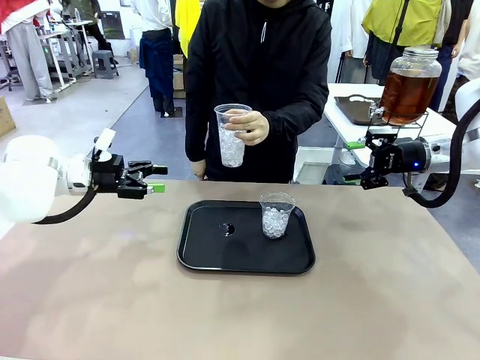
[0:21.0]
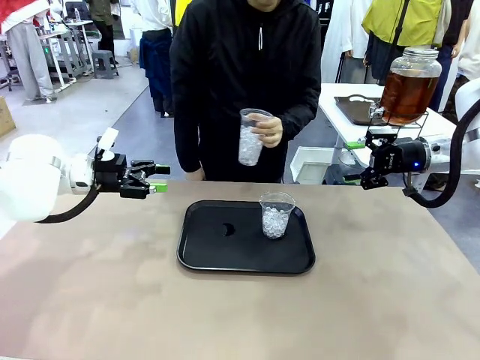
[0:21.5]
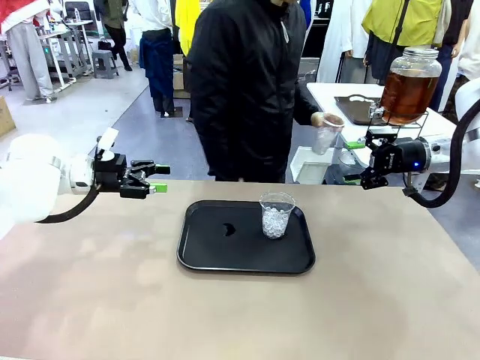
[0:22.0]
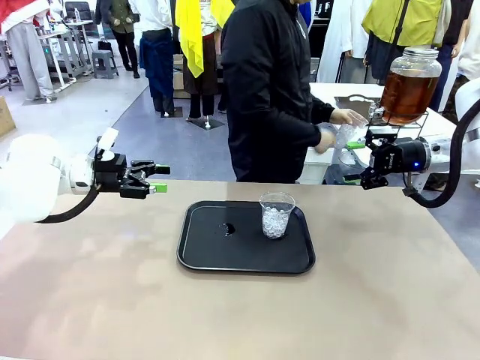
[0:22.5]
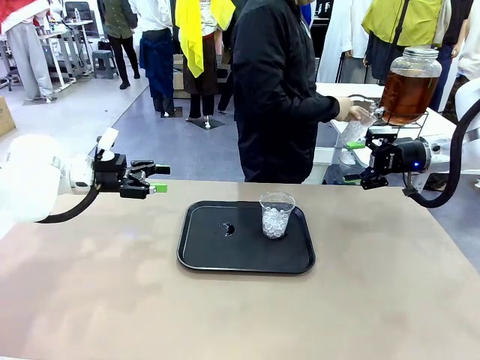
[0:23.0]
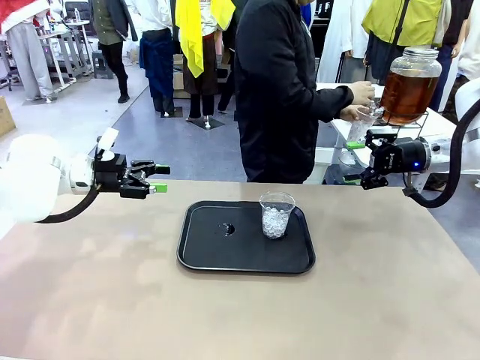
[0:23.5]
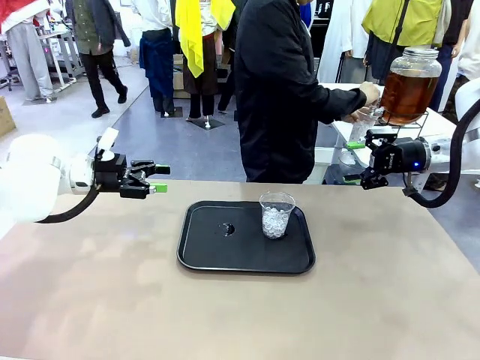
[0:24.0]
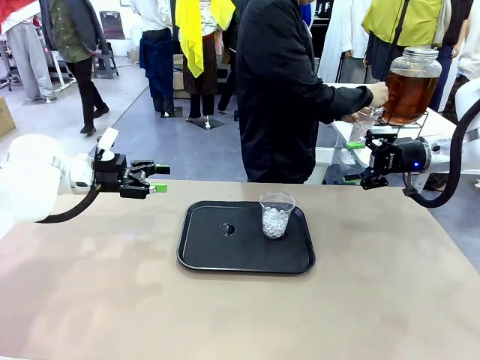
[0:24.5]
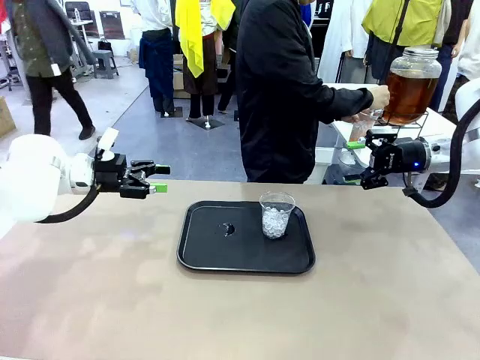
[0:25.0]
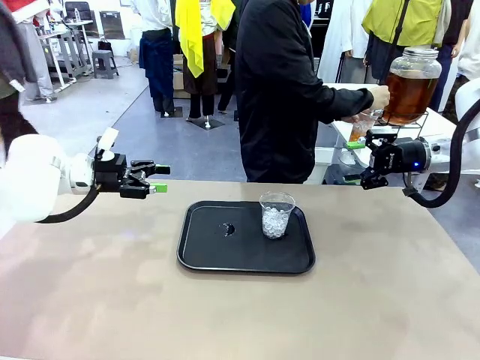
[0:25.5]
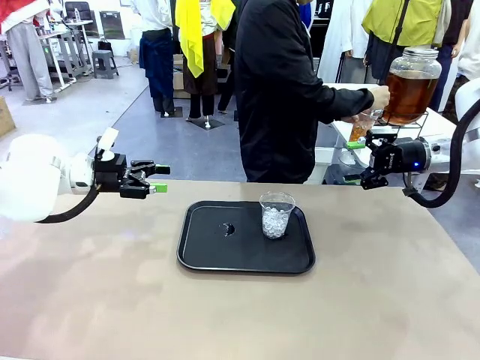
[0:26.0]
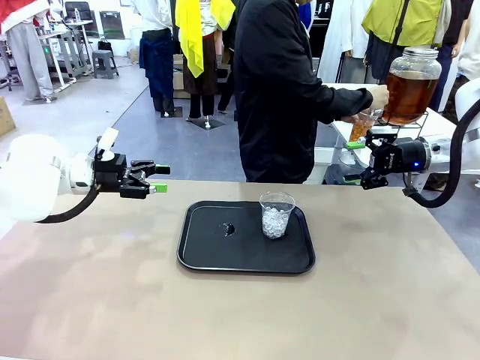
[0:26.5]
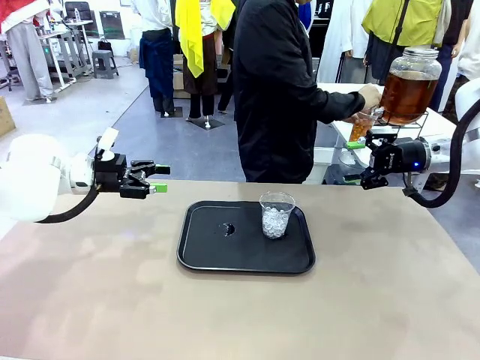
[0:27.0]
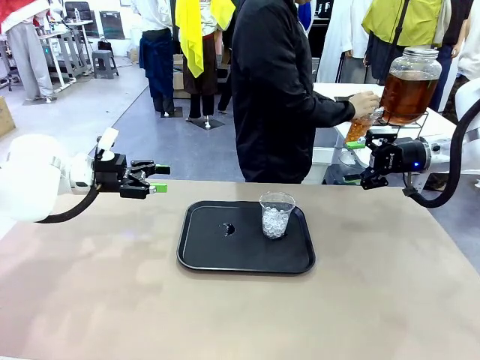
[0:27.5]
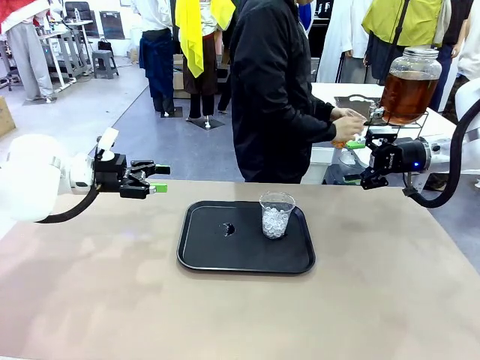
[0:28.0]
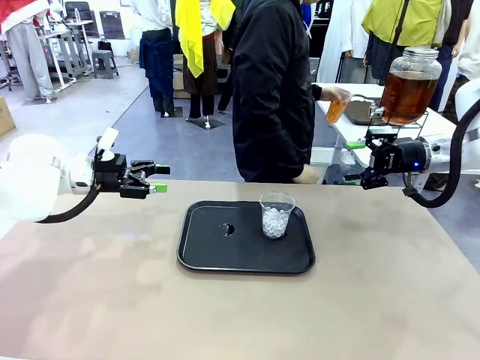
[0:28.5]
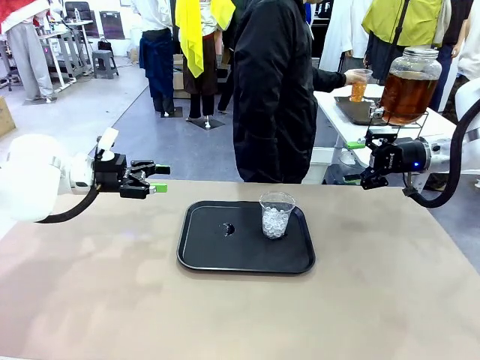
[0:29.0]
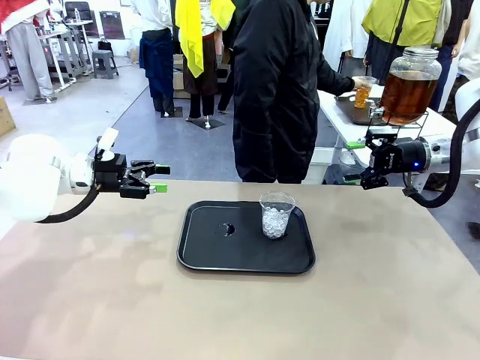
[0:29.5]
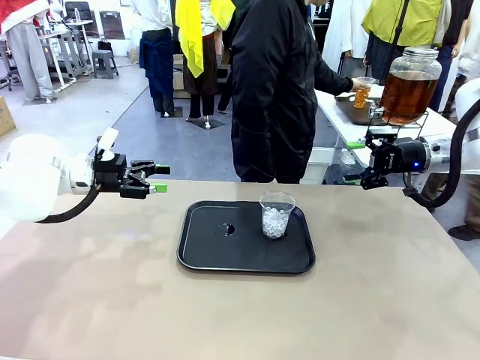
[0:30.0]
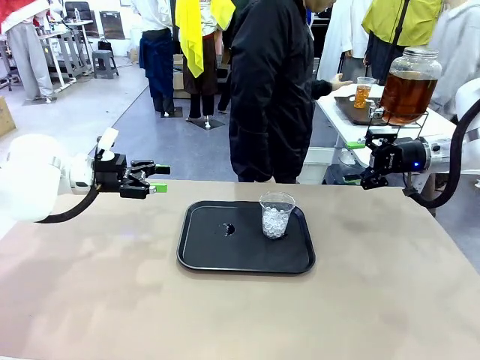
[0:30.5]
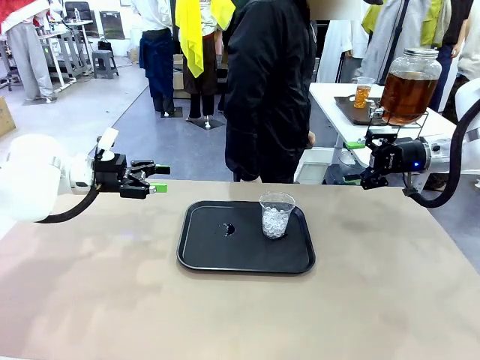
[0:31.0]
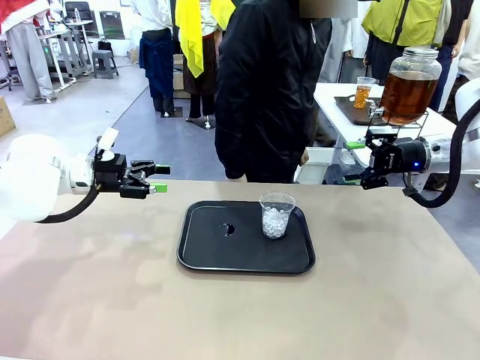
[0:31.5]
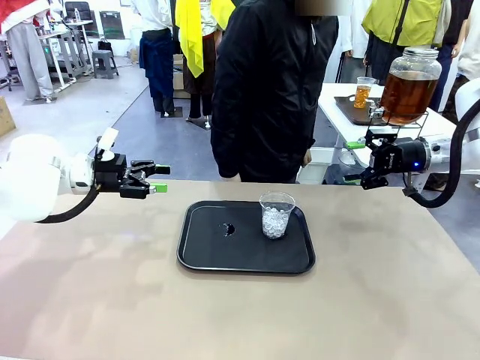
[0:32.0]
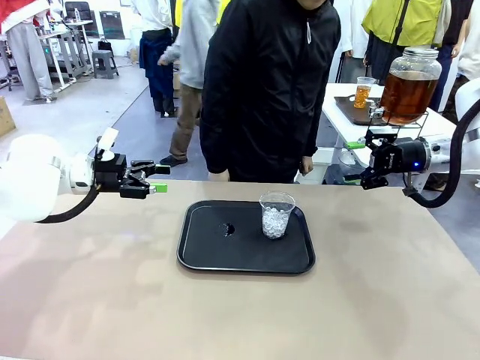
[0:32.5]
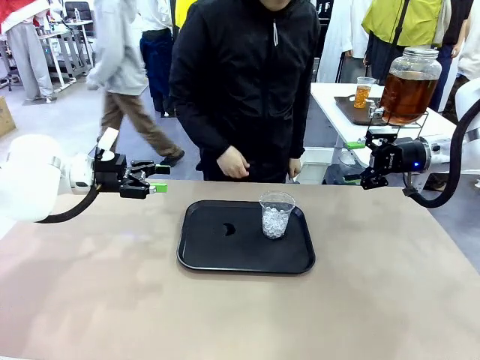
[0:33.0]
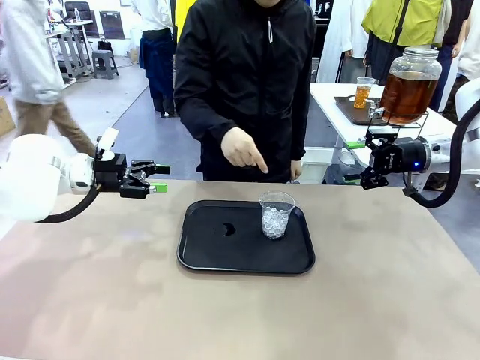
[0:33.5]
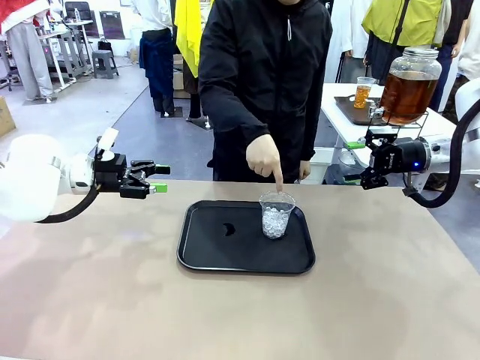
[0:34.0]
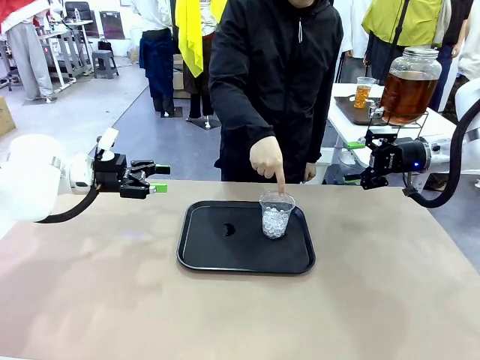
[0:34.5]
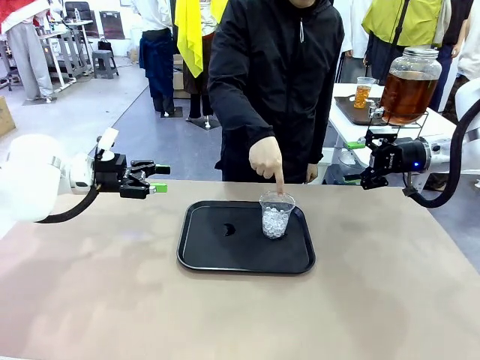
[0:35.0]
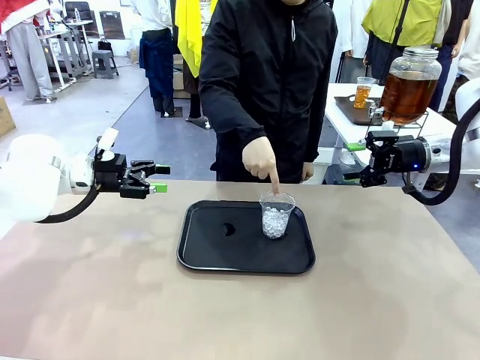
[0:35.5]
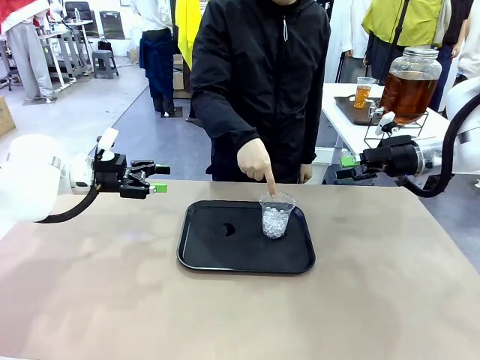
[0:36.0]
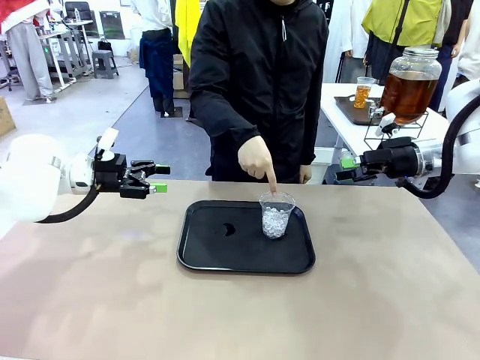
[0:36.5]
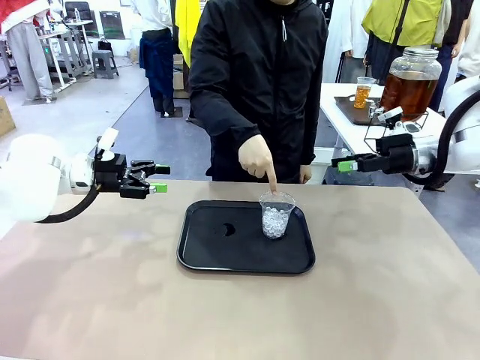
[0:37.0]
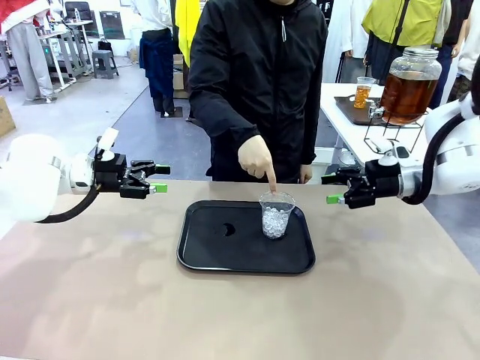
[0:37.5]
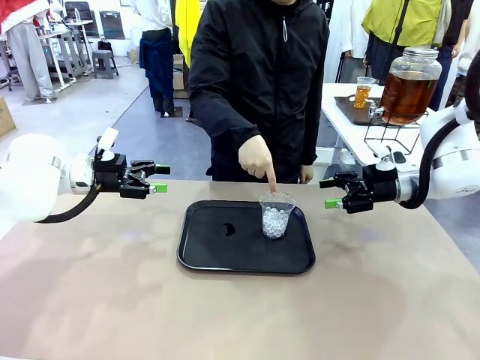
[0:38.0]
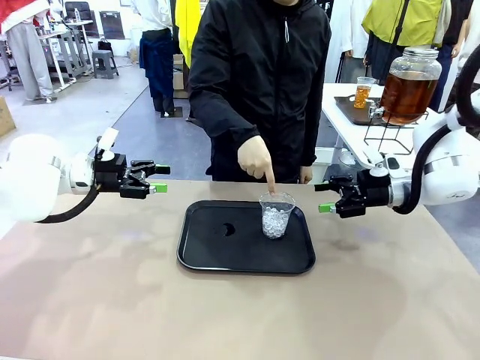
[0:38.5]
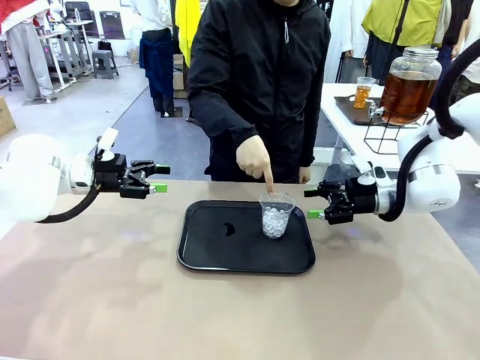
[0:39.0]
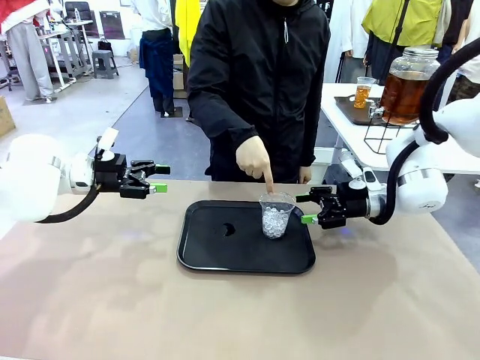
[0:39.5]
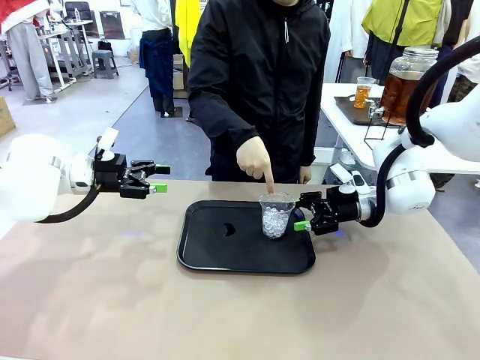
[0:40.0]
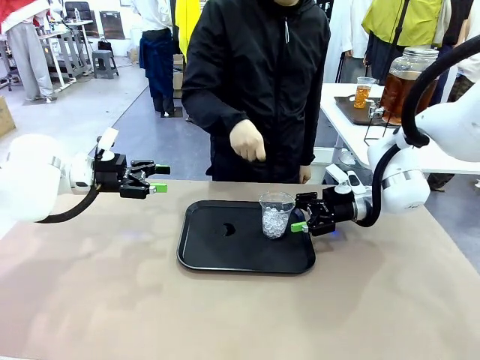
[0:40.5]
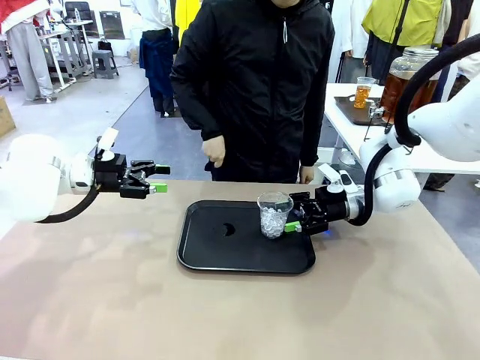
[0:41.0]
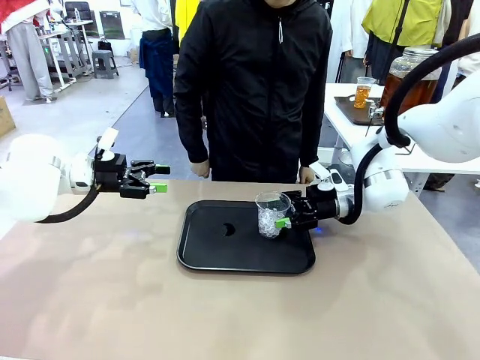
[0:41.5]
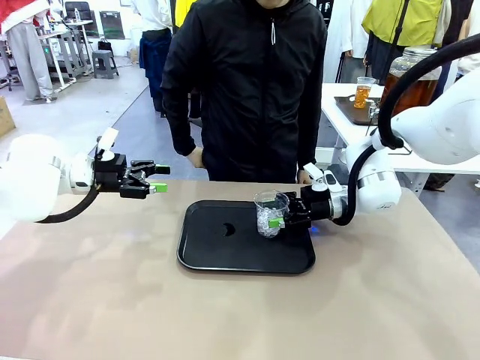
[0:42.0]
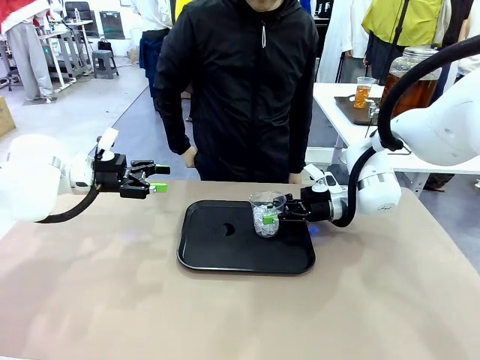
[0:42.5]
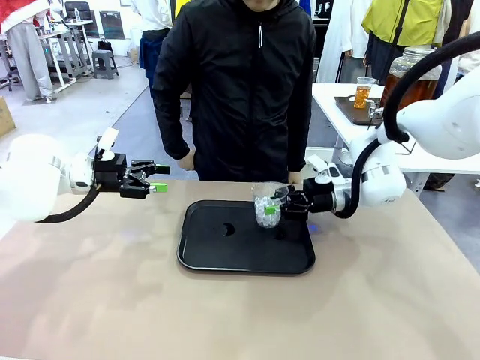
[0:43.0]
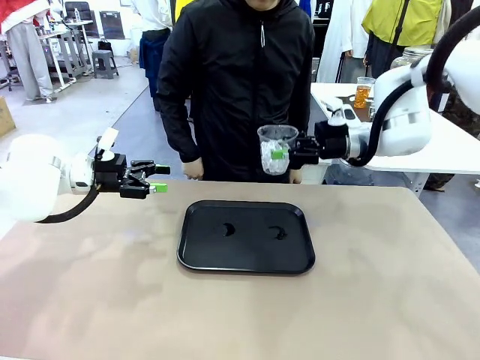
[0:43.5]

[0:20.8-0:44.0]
Task: Pour the drink into the iced cup.
Robot: Pick up the iced cup indicated by the human and present it to them.
Person: Move the picked-up cup under the dispenser faucet, pour the drink, and place it on the tray on the human table. Point to the remaining ice cup on the robot table. Pick up the cup offered by the robot.
